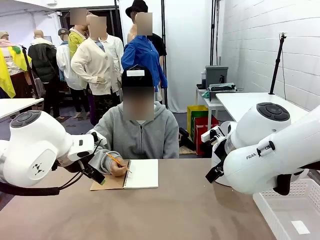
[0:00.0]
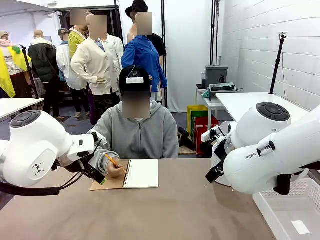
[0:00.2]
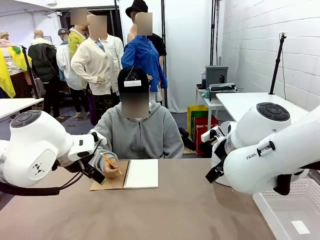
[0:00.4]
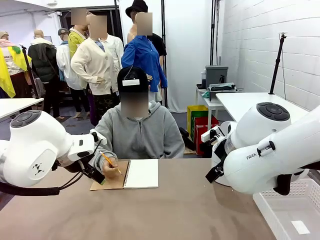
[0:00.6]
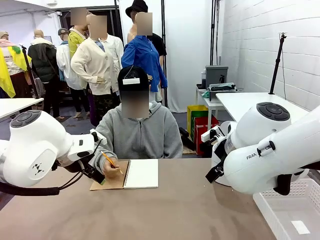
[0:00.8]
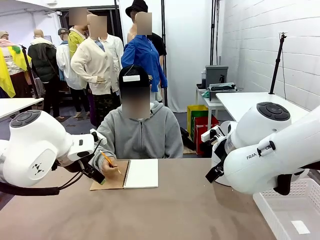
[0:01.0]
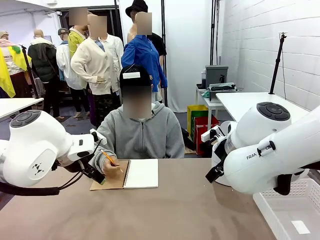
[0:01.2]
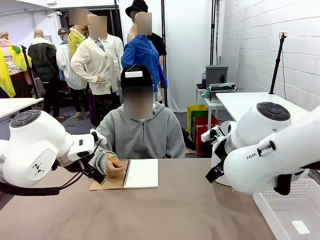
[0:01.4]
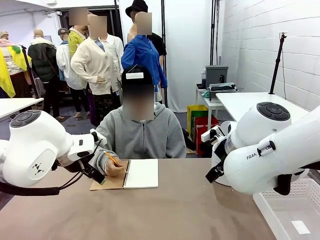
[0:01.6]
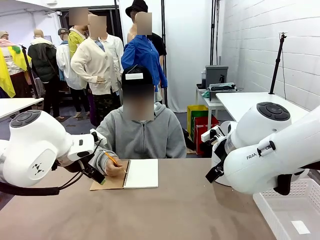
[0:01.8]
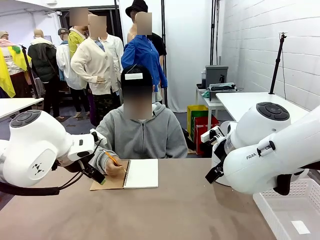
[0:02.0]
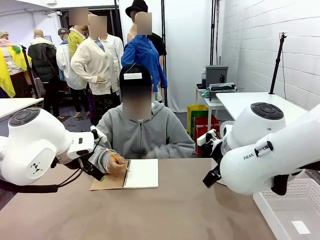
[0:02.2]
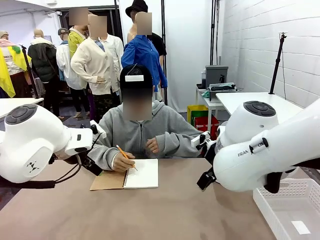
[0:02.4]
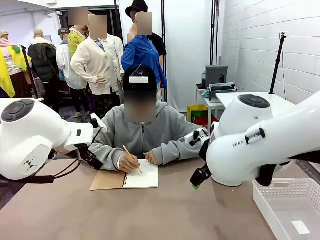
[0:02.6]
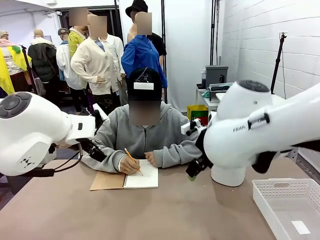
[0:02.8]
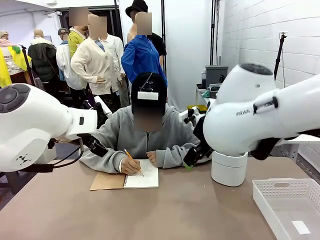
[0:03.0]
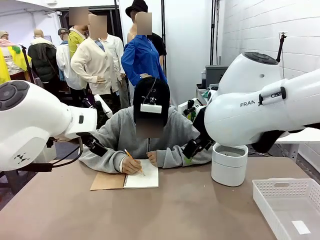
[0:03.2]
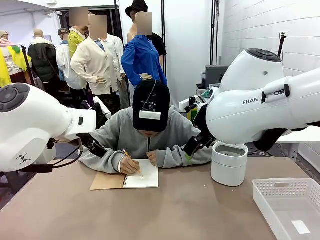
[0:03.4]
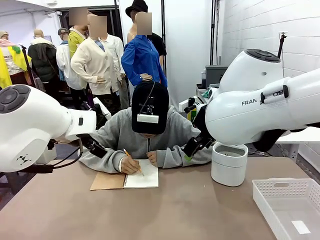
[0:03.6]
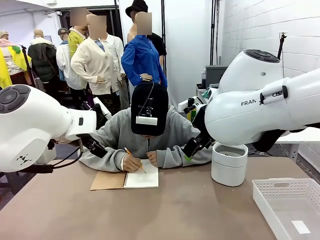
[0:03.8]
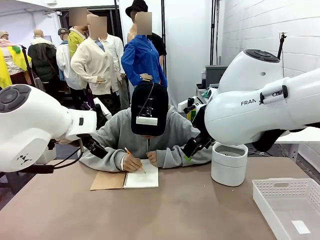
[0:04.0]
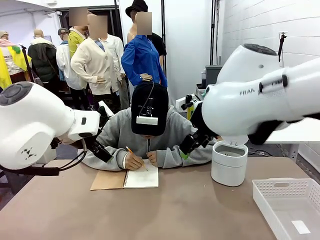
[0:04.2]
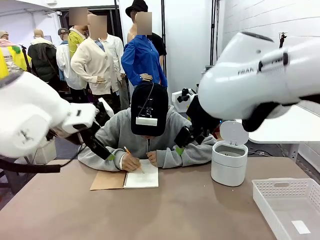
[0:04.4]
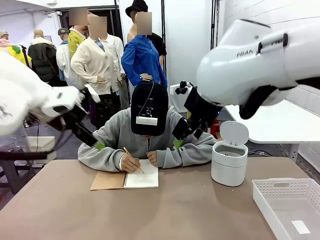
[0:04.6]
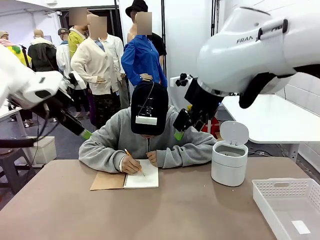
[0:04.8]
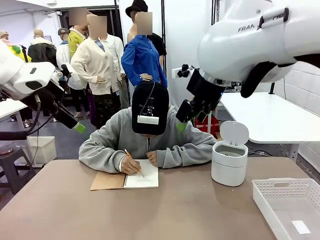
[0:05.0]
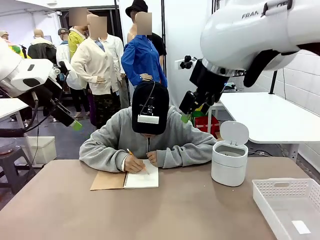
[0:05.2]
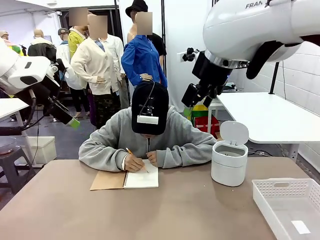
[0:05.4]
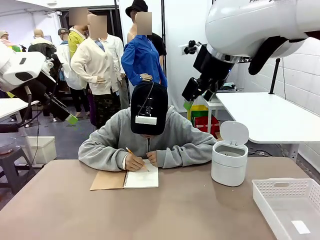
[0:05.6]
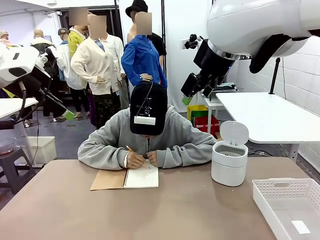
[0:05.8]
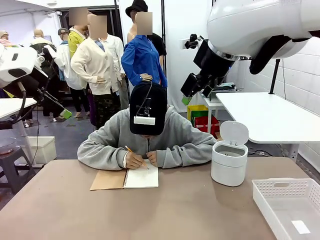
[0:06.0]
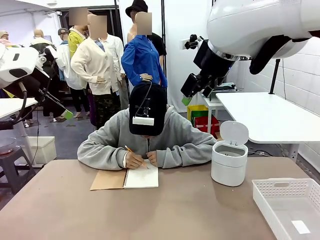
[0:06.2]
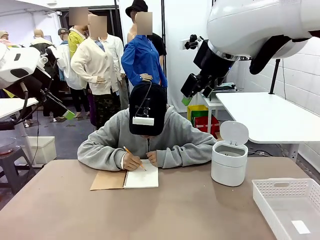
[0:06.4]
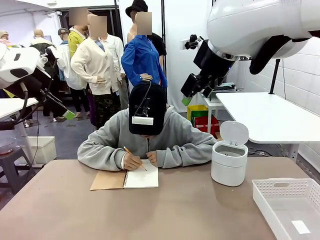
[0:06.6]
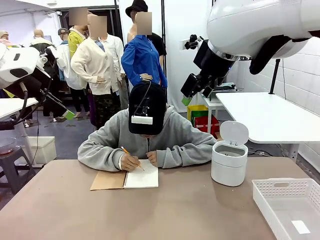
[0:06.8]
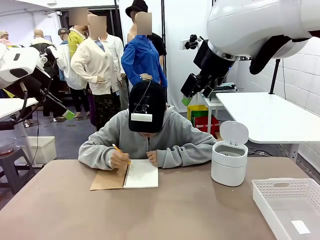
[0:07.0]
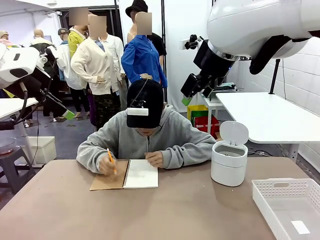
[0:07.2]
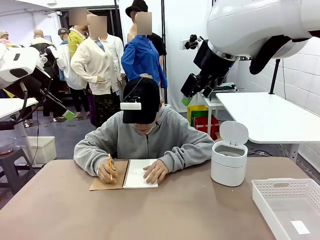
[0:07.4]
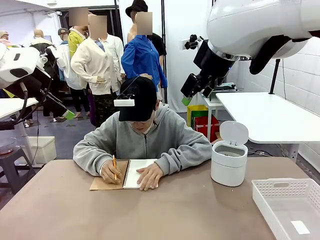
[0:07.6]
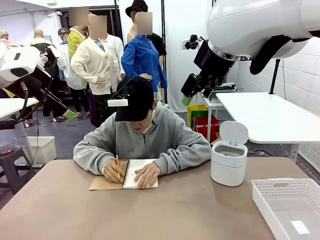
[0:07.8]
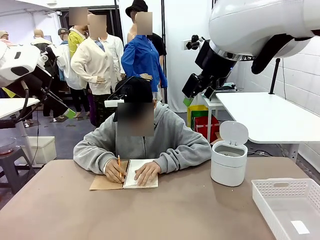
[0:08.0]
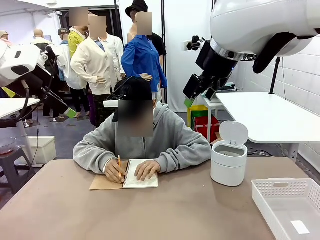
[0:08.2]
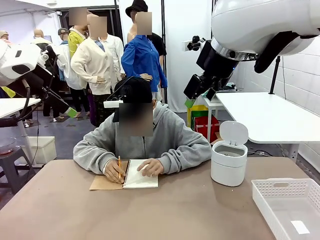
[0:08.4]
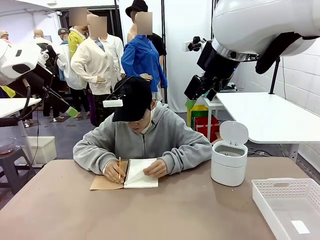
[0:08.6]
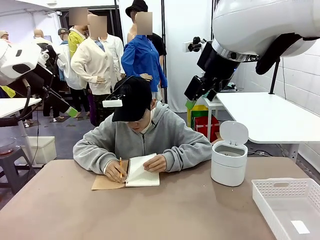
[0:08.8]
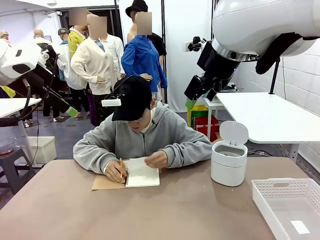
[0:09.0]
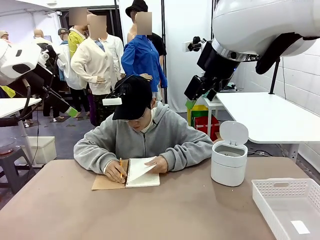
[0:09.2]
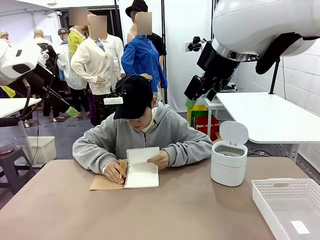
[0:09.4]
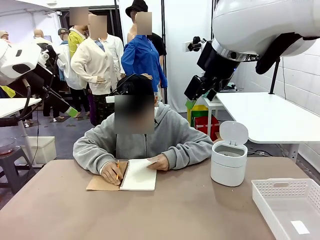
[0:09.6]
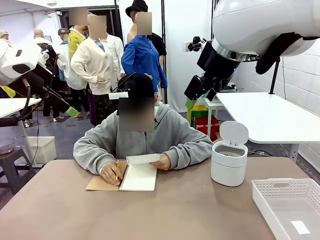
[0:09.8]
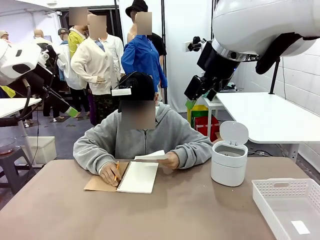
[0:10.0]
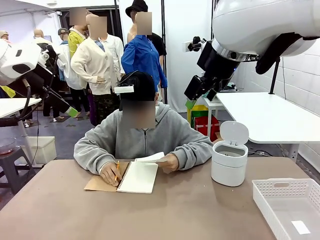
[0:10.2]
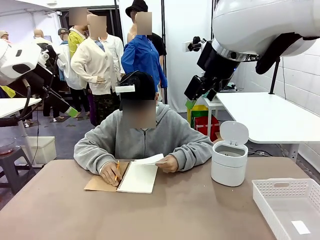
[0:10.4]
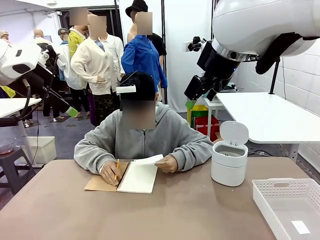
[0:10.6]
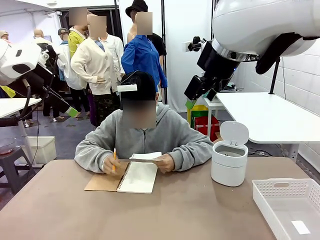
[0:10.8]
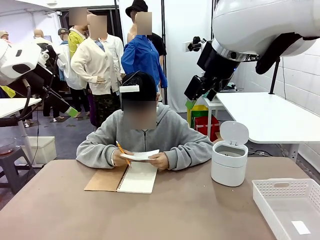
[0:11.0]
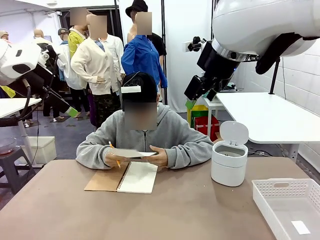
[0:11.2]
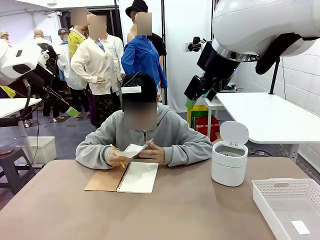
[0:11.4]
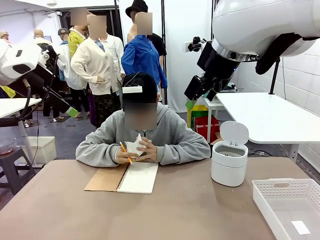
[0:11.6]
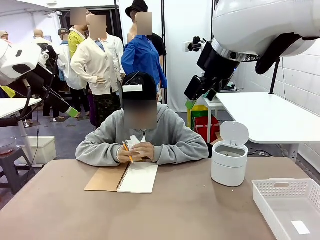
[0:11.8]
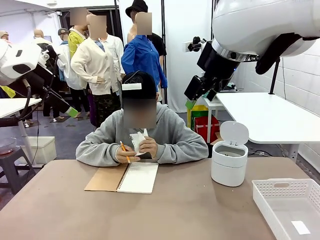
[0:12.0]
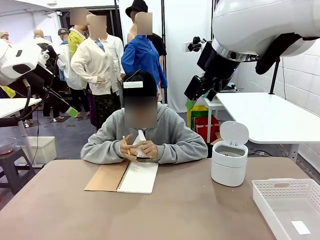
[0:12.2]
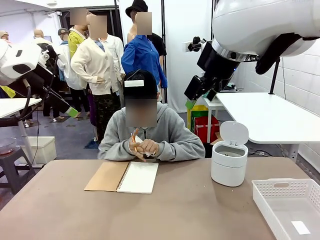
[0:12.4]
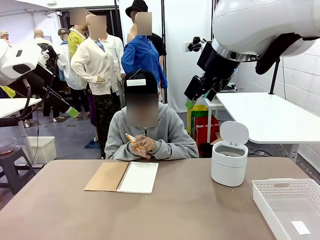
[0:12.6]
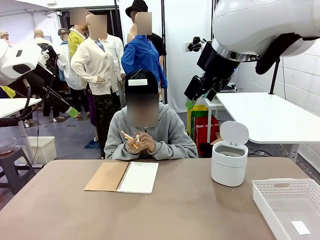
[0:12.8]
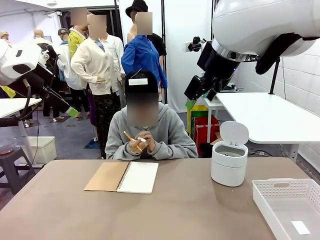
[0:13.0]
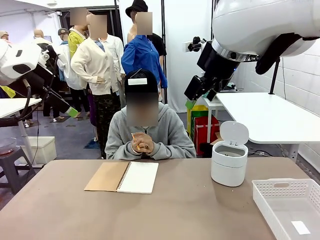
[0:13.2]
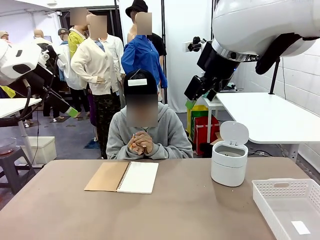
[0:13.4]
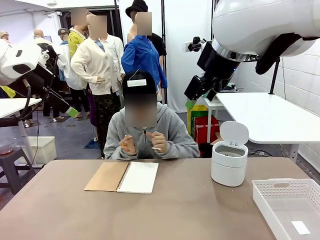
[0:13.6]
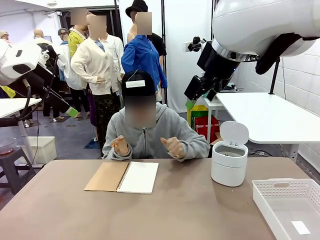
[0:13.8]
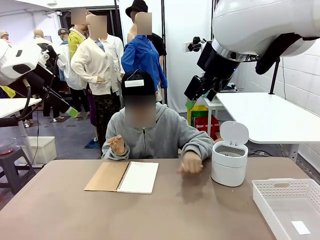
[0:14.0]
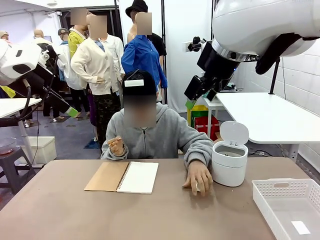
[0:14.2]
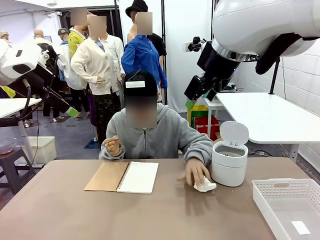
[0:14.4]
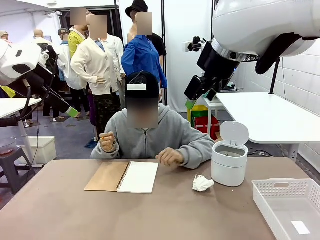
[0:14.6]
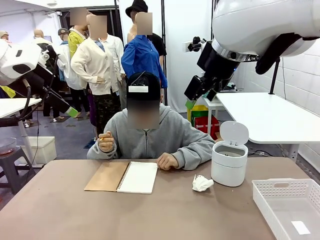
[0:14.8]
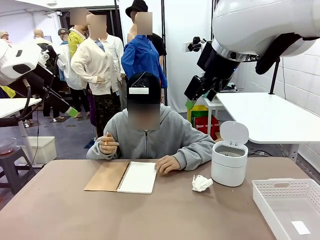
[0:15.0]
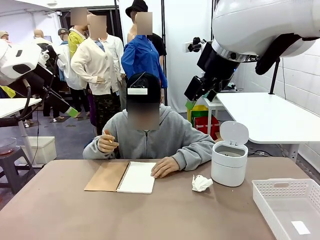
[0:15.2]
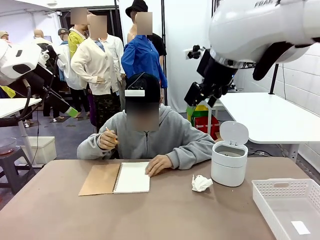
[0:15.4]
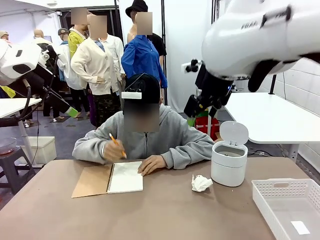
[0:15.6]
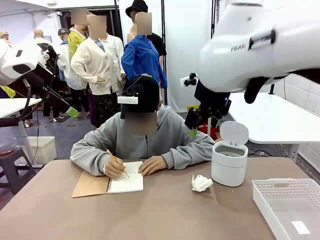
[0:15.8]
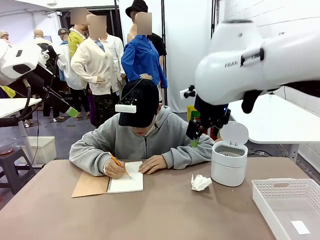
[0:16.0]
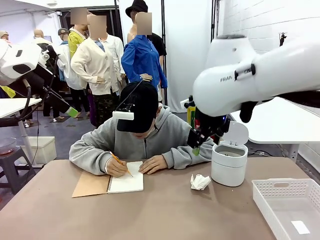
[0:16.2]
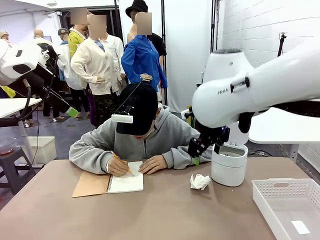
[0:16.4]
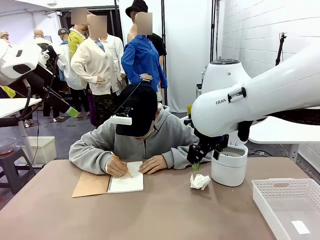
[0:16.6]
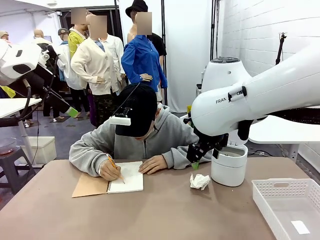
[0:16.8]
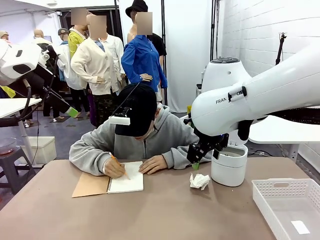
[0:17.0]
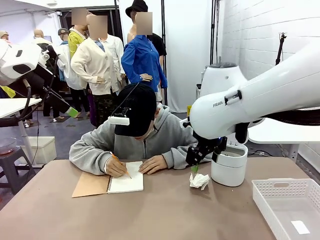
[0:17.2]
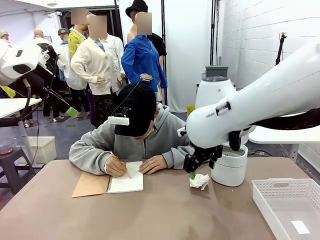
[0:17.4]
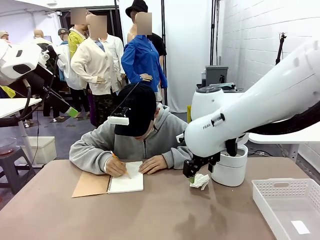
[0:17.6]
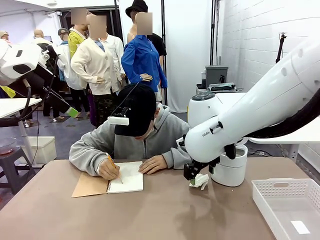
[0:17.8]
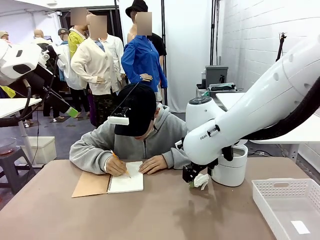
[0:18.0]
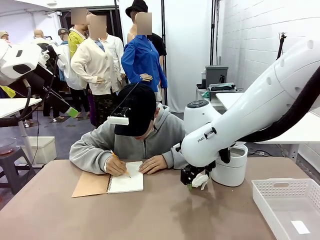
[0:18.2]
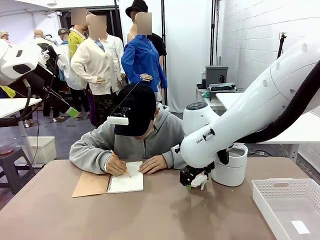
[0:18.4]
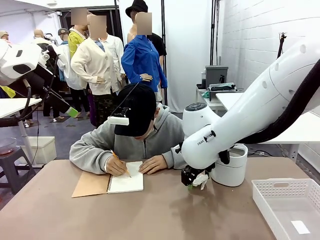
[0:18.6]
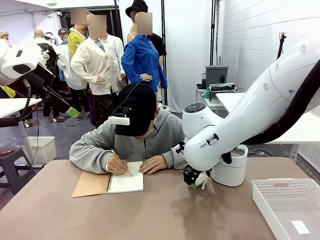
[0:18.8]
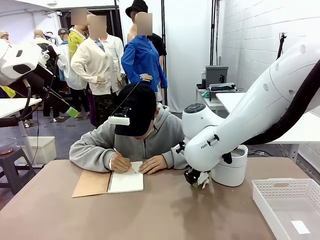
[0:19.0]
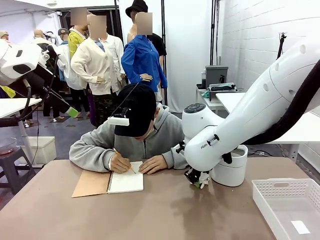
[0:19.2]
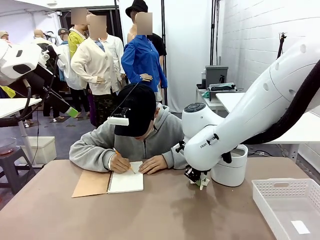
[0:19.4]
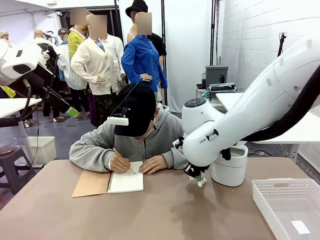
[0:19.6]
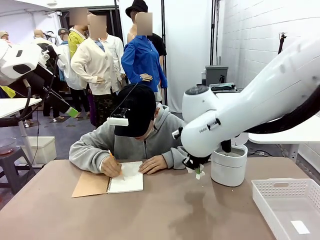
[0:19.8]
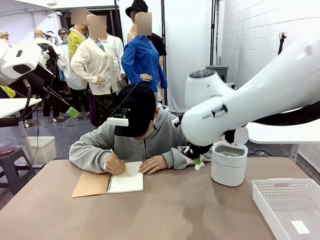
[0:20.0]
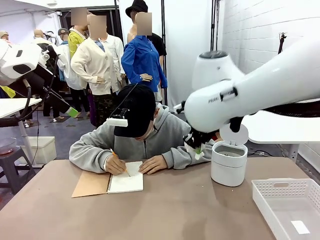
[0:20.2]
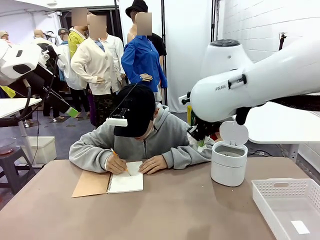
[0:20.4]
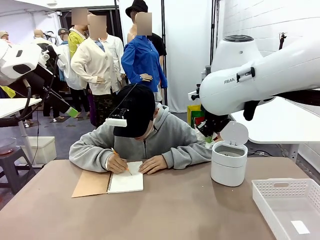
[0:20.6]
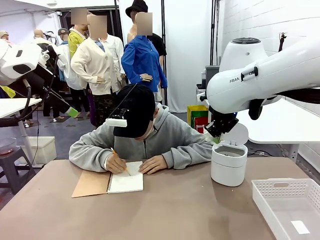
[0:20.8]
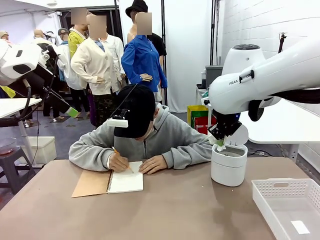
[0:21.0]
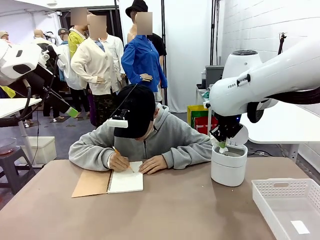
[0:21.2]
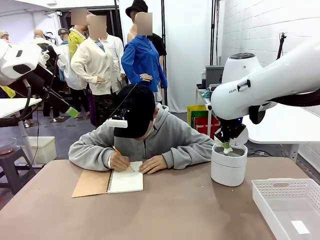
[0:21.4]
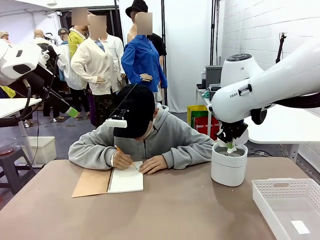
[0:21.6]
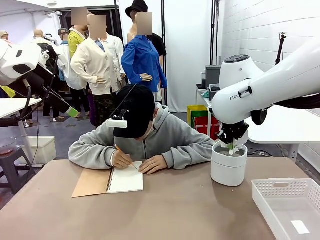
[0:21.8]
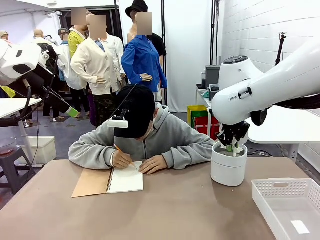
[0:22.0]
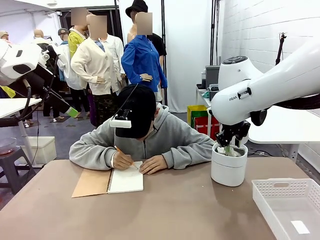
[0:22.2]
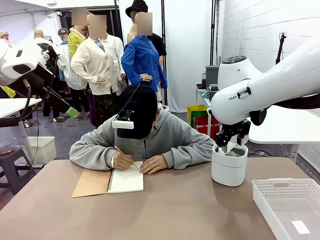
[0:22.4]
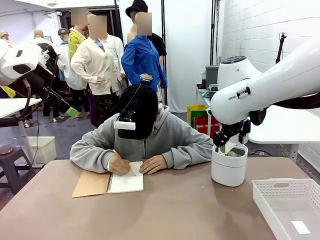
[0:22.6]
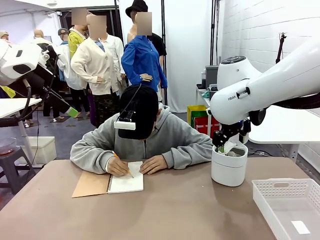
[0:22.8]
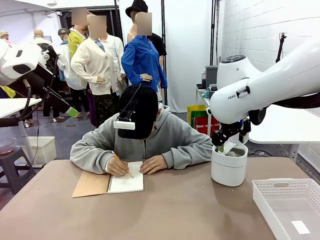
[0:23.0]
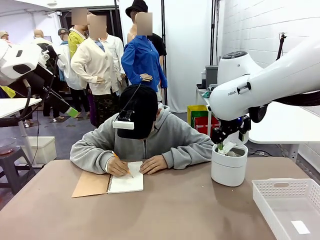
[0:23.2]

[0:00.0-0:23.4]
Task: Sort the paper based on its condition.
Robot: If a person hands you a paper, place it in the Organizing basket , and if it's crumpled, put it in the Trash can.
Person: Tear out a page from the spiral notebook. Hand the torn page to the robot or crumple it and throw it to the center of the table. Tear out a page from the spiral notebook.
